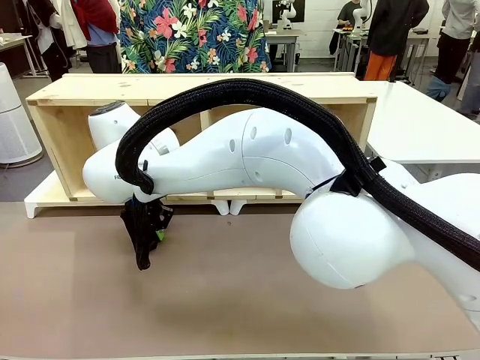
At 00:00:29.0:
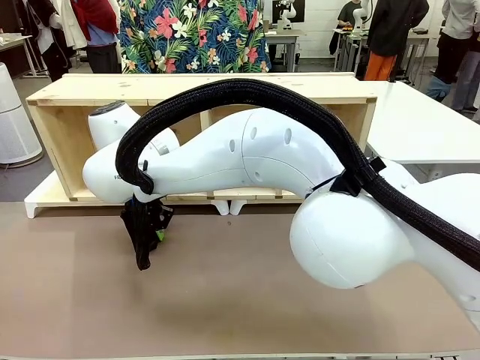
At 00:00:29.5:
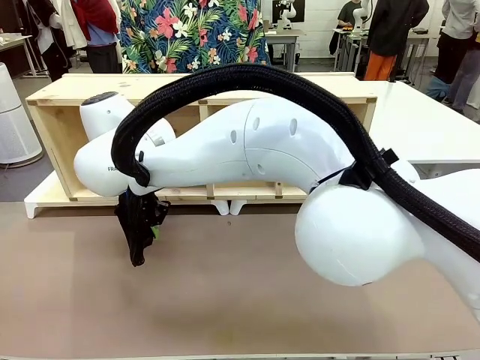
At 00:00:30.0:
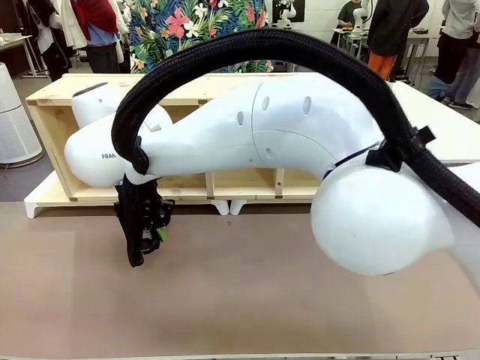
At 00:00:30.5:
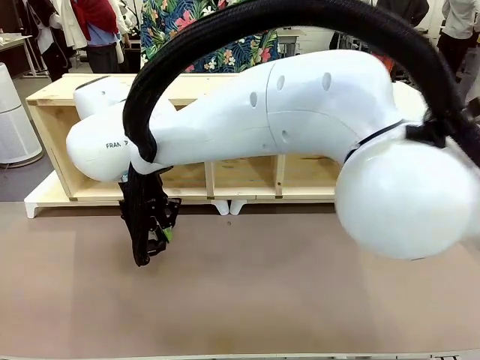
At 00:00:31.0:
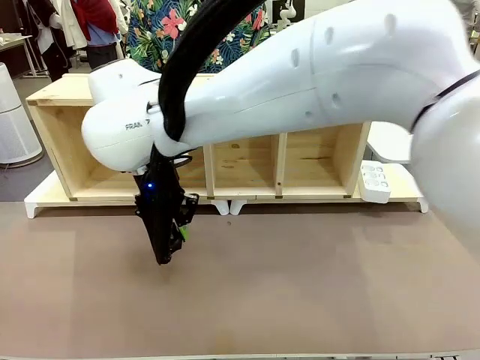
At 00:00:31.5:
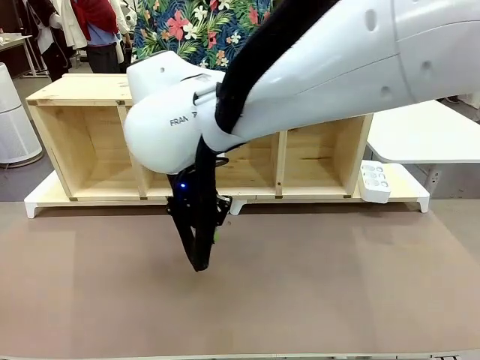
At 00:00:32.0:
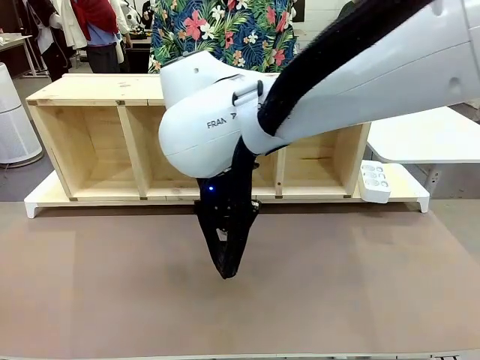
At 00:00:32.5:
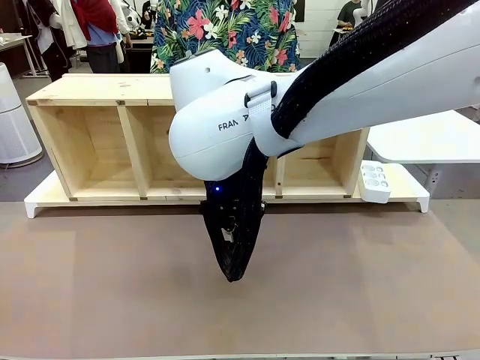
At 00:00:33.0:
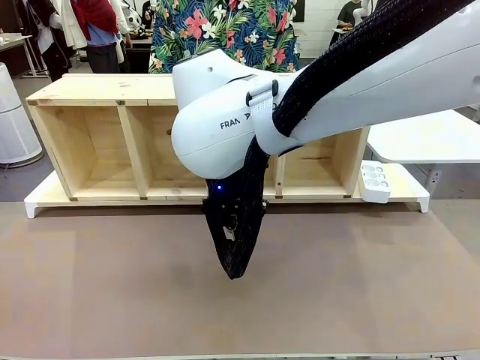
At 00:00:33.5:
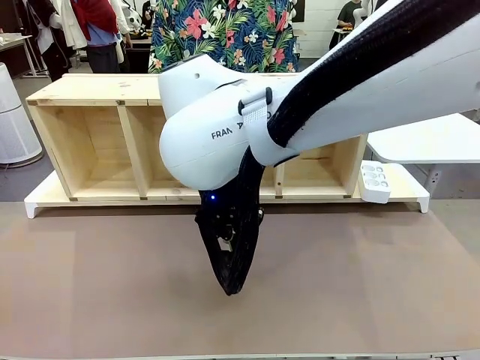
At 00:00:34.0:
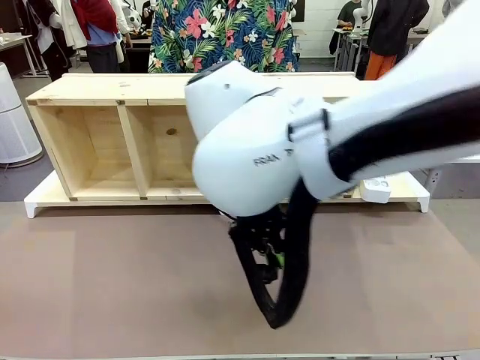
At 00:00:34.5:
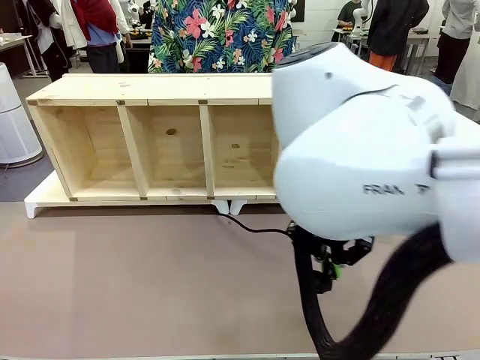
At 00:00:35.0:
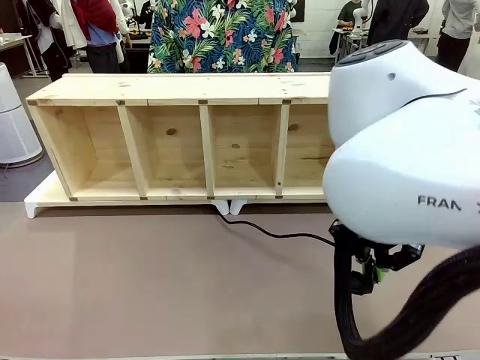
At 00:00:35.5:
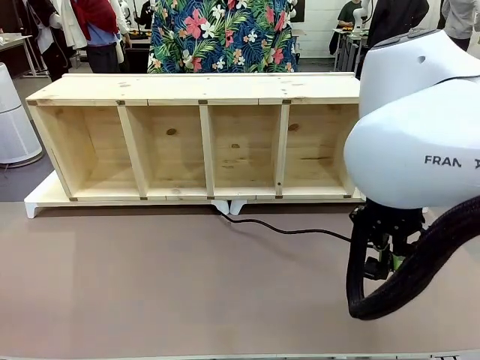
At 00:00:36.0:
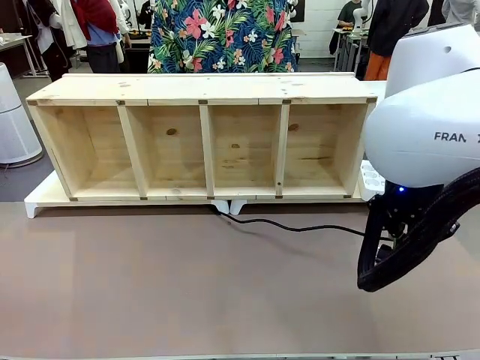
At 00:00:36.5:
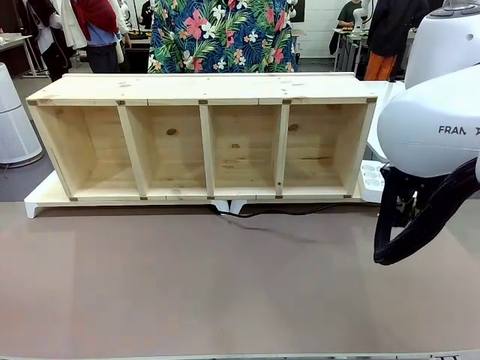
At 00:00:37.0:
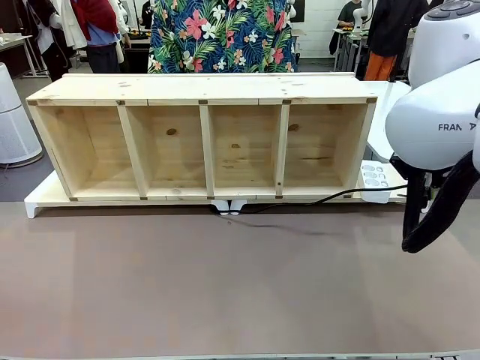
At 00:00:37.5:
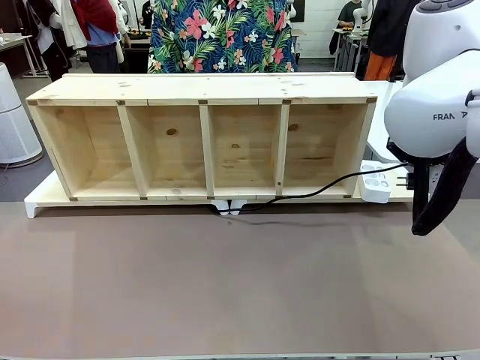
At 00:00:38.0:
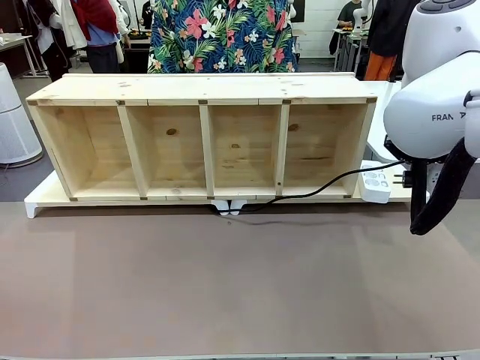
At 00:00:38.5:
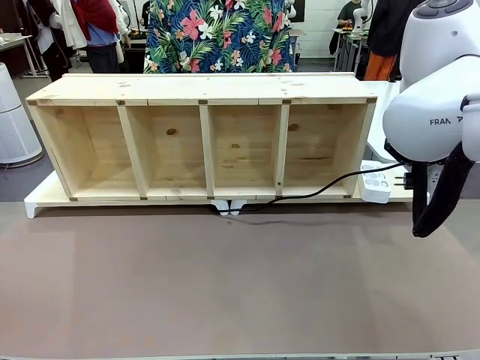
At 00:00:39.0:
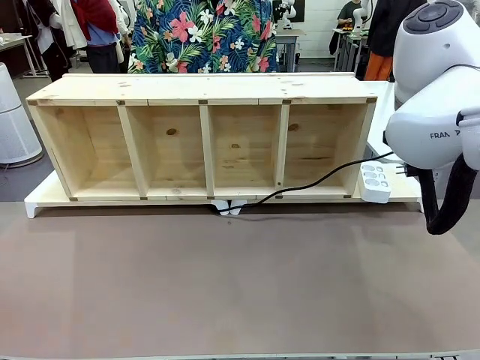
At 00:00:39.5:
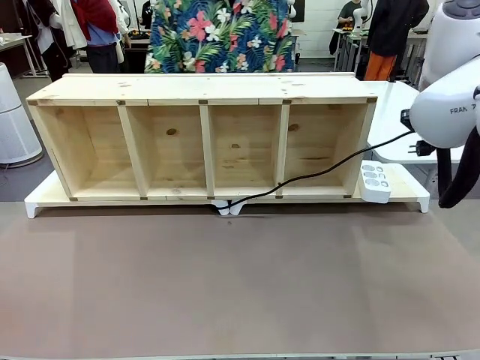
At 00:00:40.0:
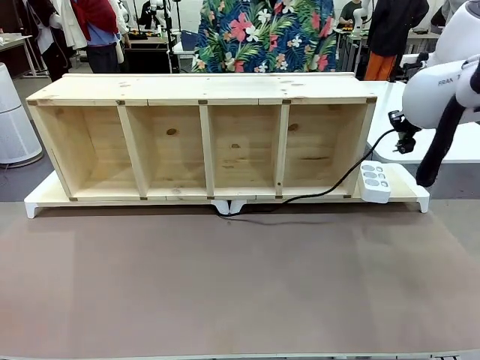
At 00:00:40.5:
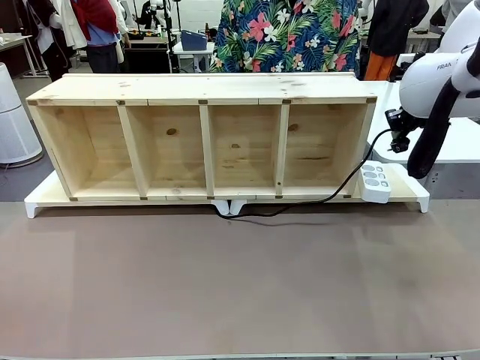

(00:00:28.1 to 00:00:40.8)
Task: Perform cable management.
Robot: Pull the grasped Power Cable to the location of the Power Strip.

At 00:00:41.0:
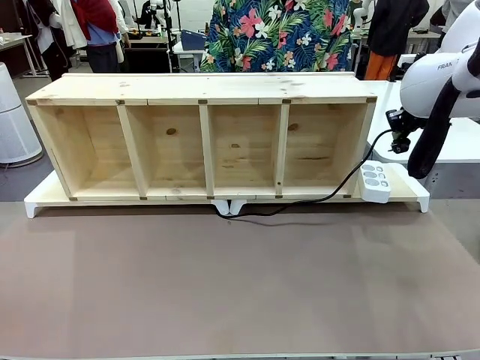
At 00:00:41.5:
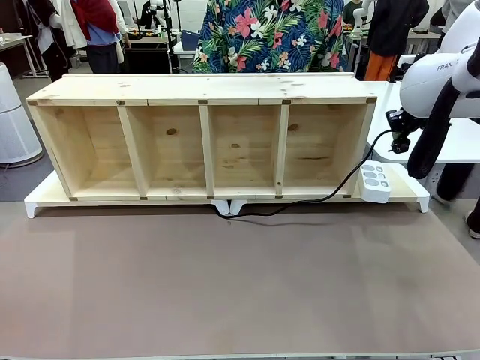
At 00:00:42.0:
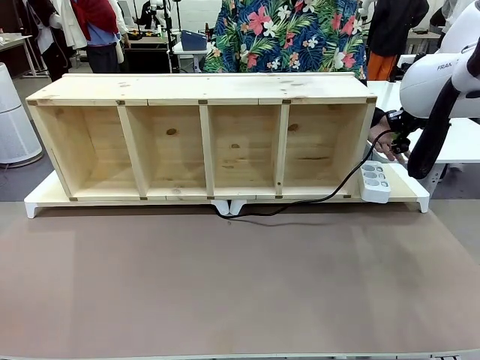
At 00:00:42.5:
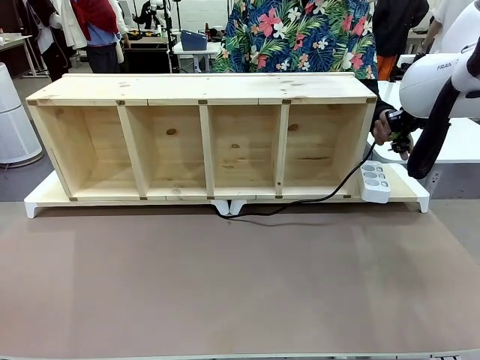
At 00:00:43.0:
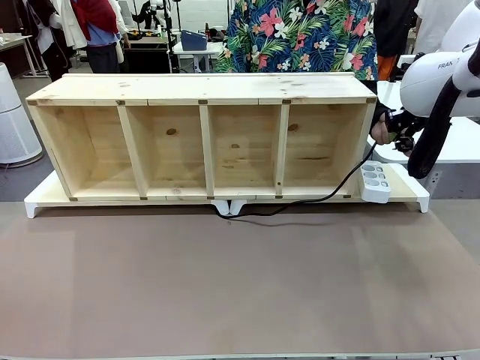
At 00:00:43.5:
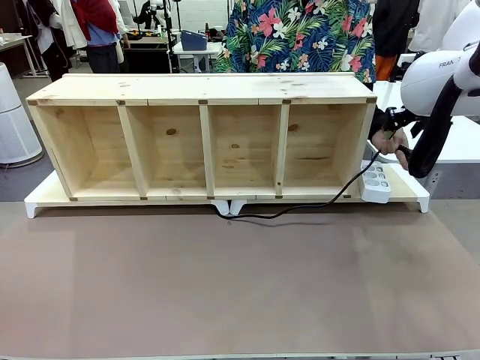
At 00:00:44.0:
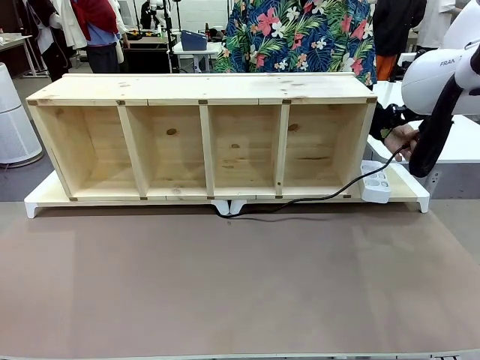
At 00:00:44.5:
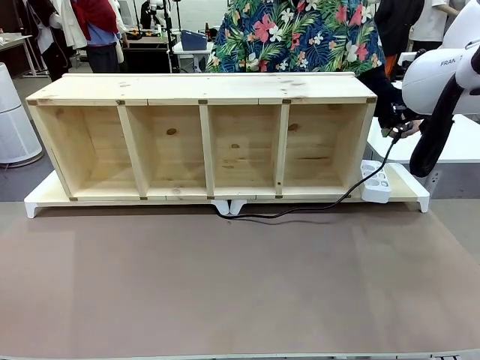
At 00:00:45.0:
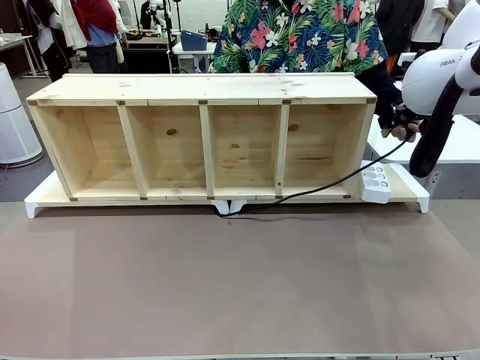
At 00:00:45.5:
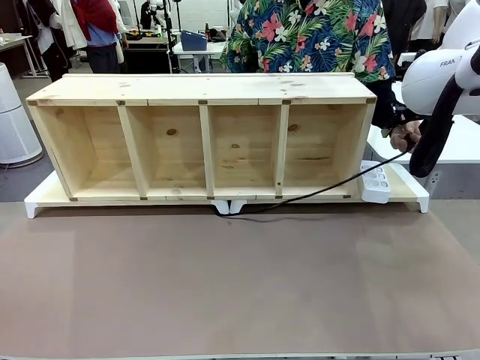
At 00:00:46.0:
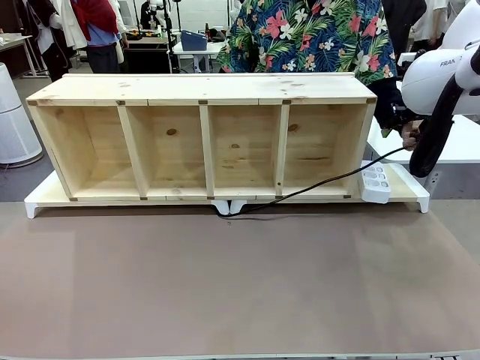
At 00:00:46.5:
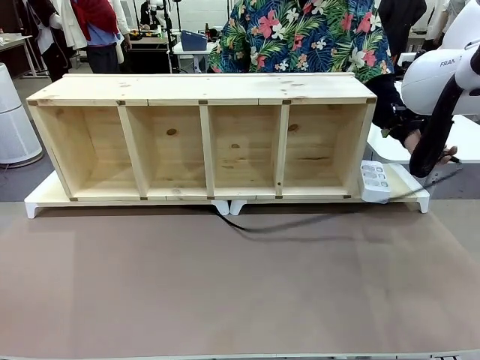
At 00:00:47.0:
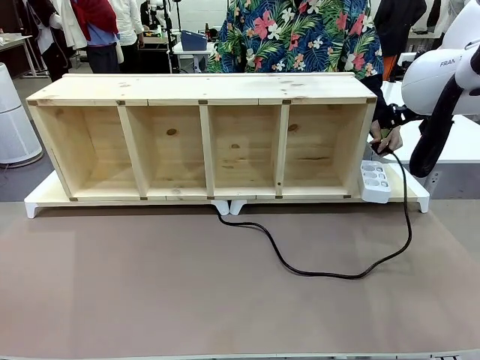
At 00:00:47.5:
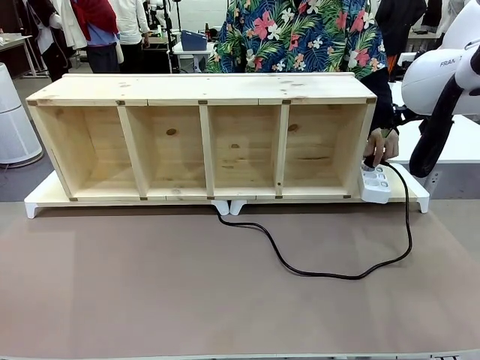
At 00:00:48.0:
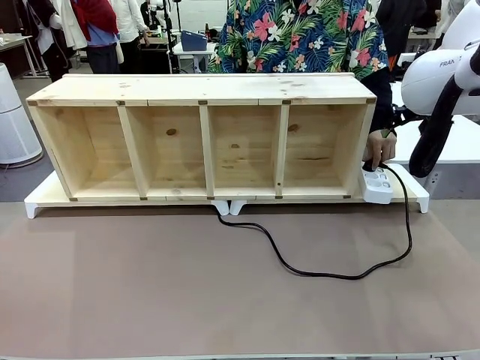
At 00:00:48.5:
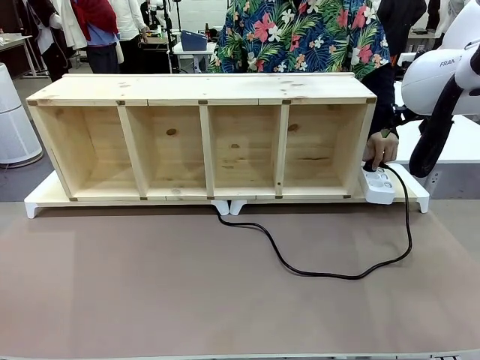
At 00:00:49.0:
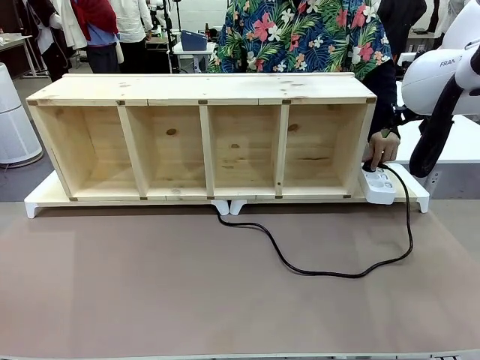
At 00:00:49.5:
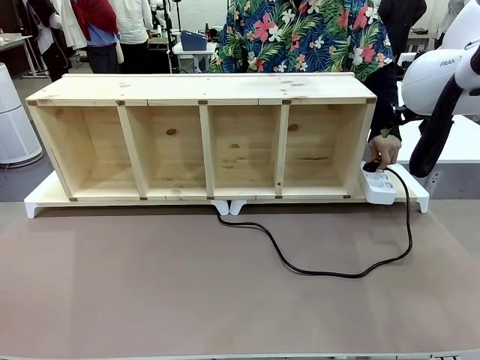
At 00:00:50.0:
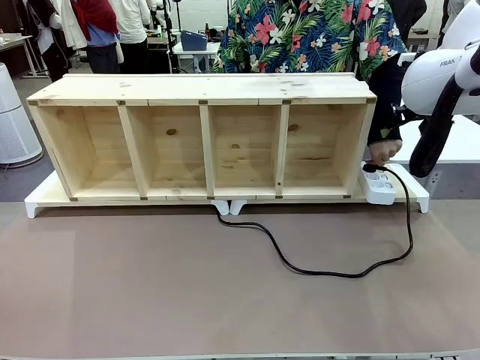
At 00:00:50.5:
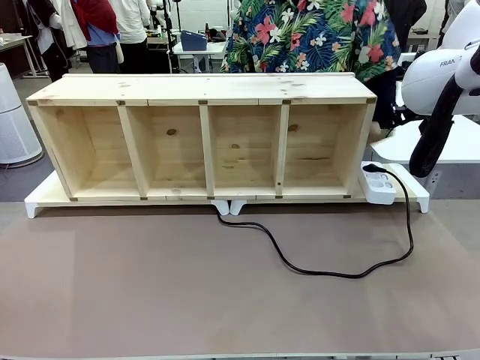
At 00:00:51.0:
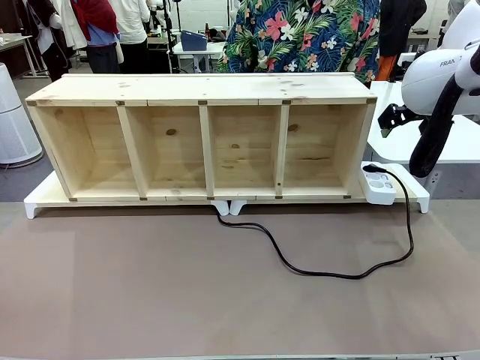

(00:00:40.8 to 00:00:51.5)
Robot: Release the Power Cable when the human grasps it.
Person: Plug the Power Cable into the Power Strip.
